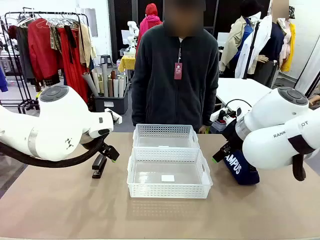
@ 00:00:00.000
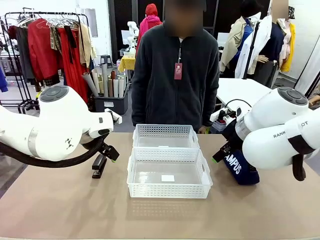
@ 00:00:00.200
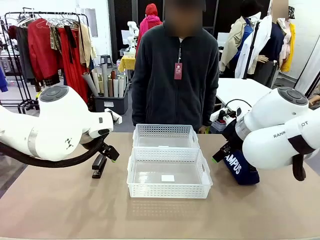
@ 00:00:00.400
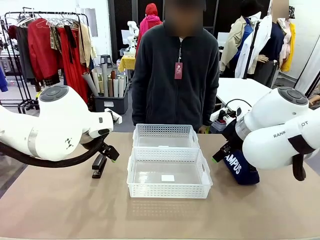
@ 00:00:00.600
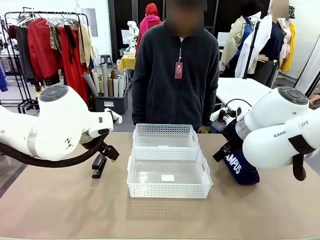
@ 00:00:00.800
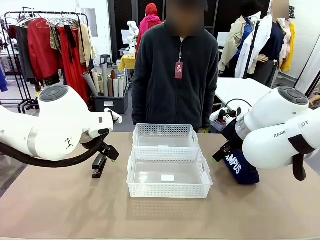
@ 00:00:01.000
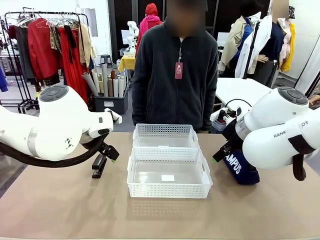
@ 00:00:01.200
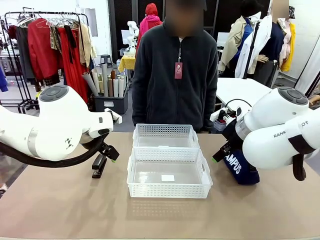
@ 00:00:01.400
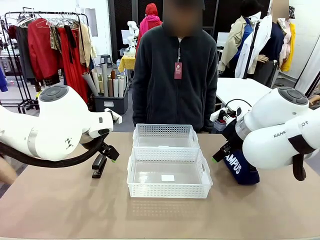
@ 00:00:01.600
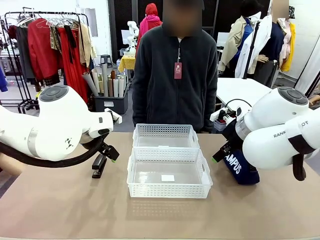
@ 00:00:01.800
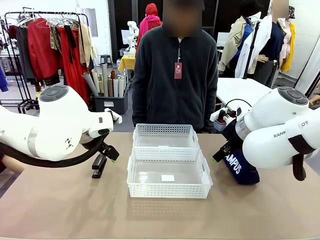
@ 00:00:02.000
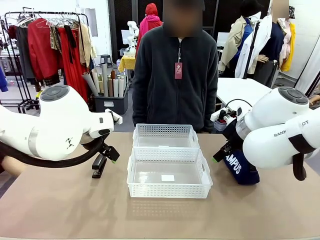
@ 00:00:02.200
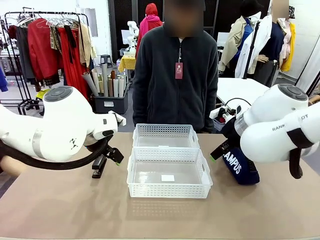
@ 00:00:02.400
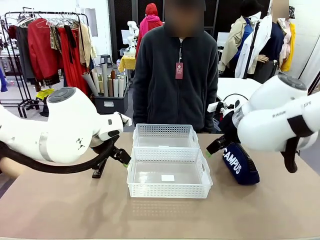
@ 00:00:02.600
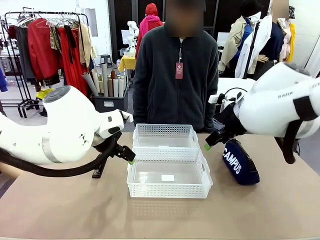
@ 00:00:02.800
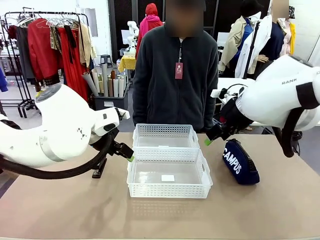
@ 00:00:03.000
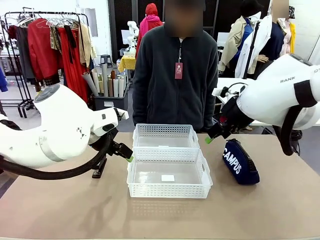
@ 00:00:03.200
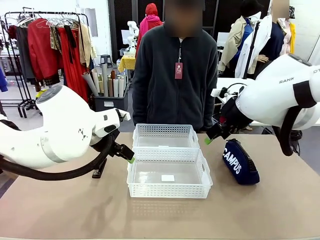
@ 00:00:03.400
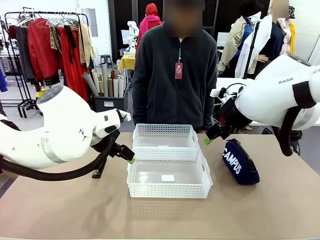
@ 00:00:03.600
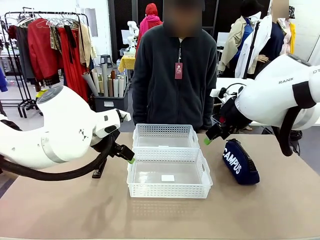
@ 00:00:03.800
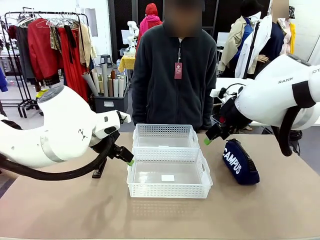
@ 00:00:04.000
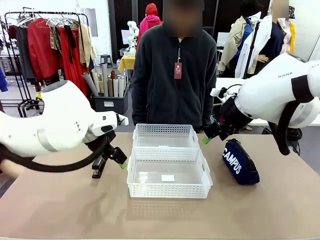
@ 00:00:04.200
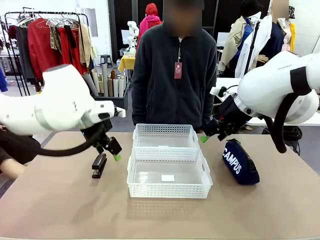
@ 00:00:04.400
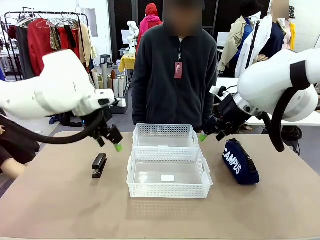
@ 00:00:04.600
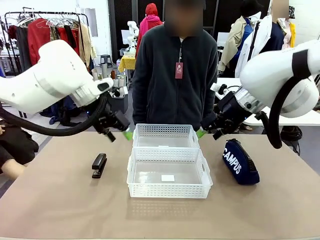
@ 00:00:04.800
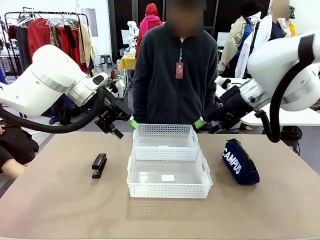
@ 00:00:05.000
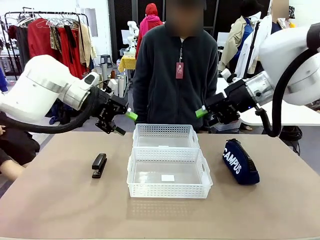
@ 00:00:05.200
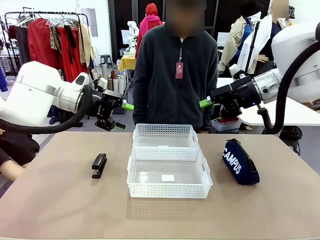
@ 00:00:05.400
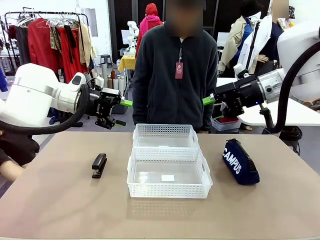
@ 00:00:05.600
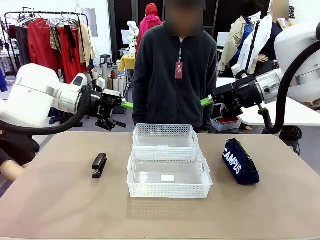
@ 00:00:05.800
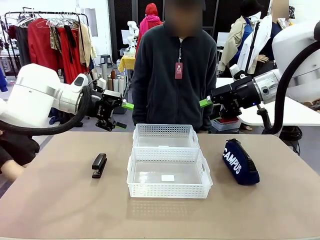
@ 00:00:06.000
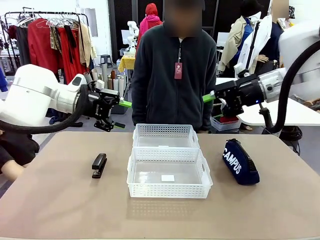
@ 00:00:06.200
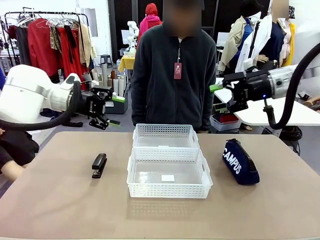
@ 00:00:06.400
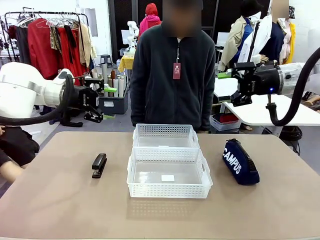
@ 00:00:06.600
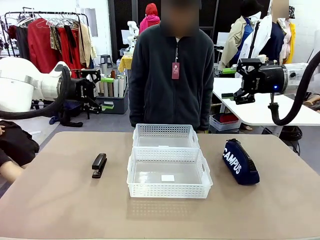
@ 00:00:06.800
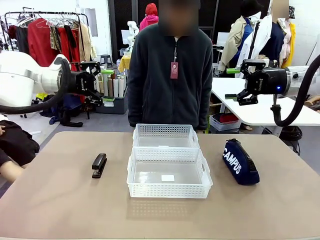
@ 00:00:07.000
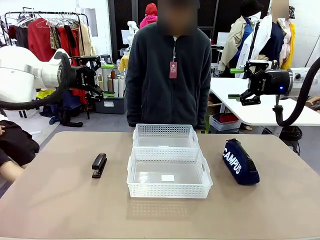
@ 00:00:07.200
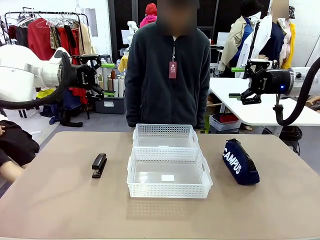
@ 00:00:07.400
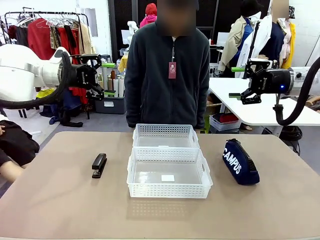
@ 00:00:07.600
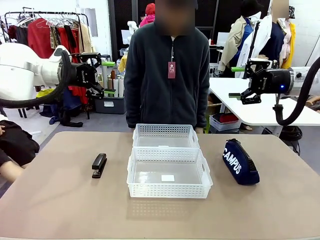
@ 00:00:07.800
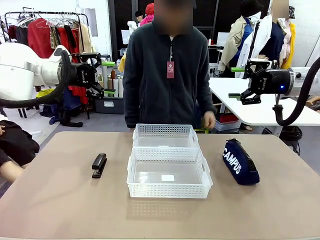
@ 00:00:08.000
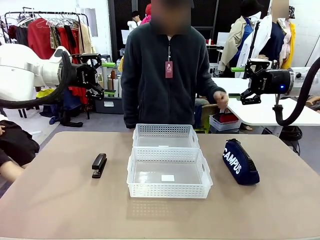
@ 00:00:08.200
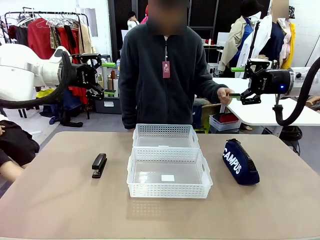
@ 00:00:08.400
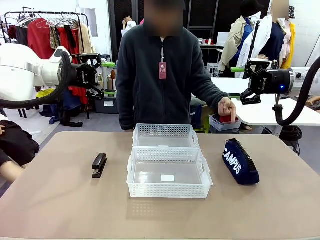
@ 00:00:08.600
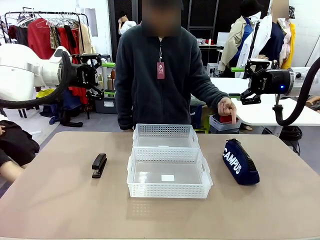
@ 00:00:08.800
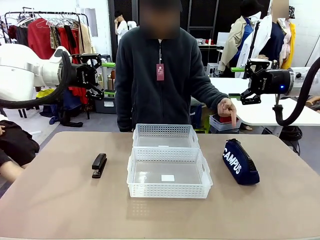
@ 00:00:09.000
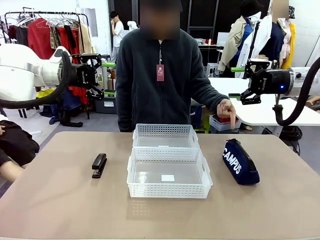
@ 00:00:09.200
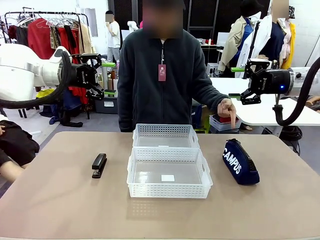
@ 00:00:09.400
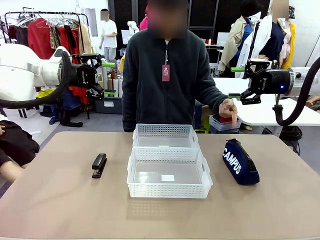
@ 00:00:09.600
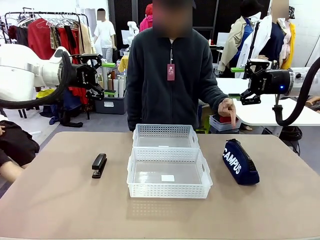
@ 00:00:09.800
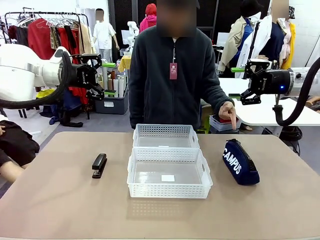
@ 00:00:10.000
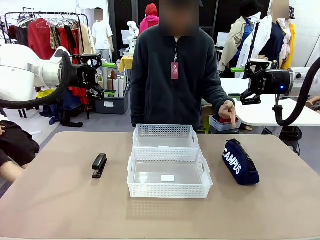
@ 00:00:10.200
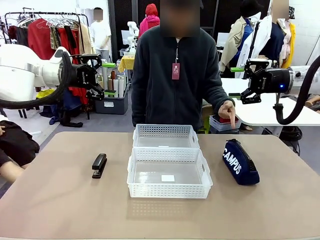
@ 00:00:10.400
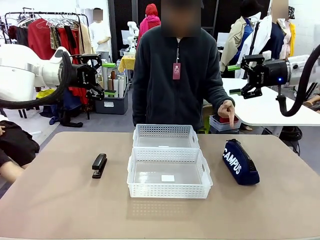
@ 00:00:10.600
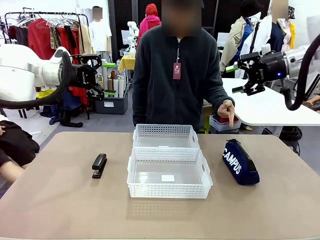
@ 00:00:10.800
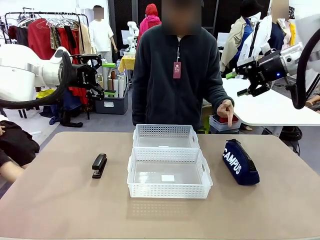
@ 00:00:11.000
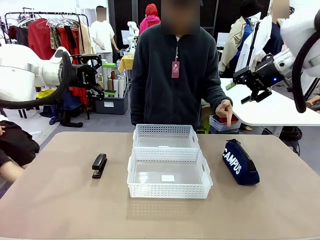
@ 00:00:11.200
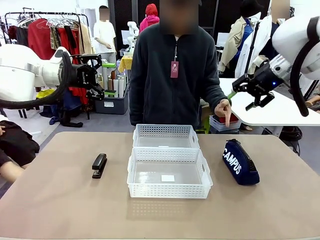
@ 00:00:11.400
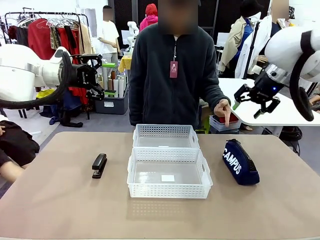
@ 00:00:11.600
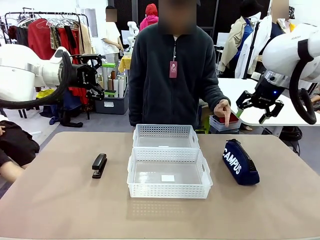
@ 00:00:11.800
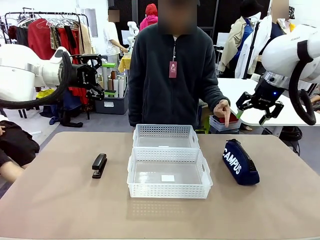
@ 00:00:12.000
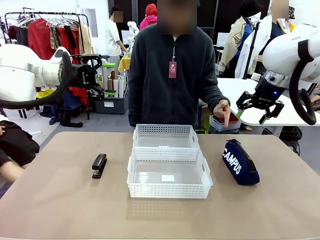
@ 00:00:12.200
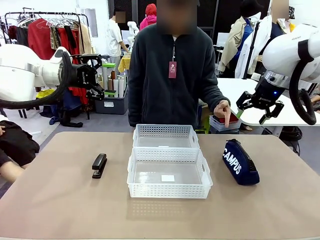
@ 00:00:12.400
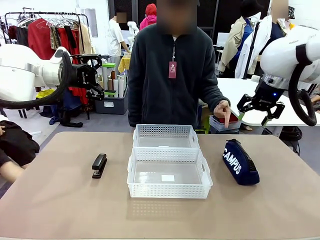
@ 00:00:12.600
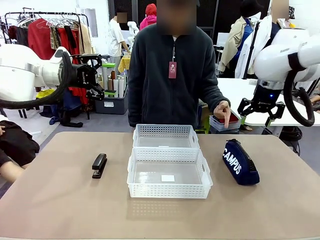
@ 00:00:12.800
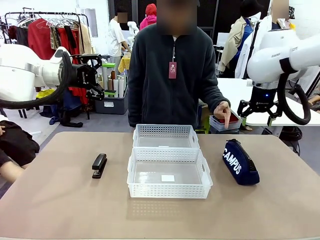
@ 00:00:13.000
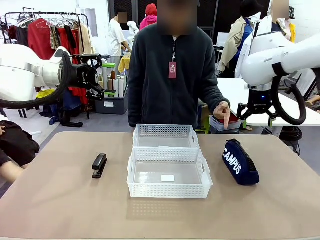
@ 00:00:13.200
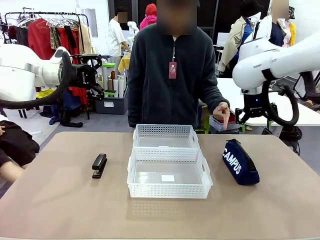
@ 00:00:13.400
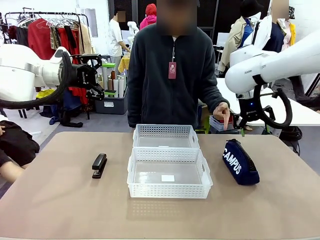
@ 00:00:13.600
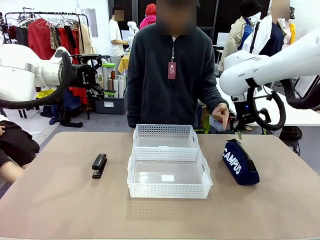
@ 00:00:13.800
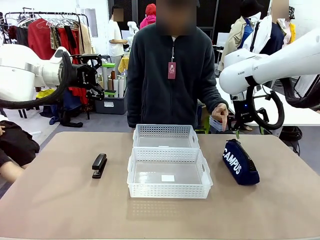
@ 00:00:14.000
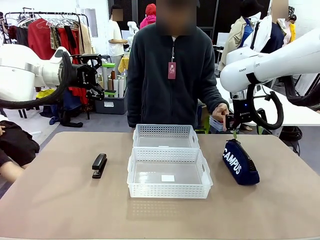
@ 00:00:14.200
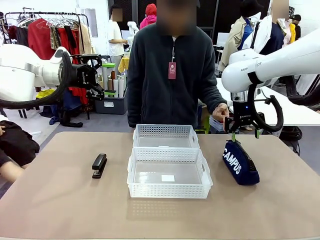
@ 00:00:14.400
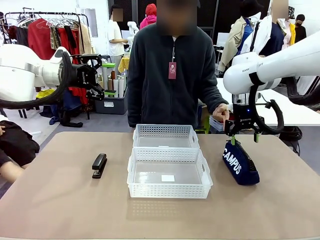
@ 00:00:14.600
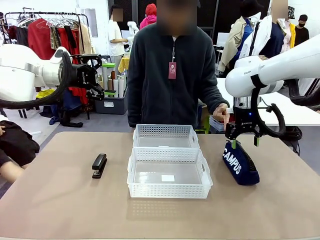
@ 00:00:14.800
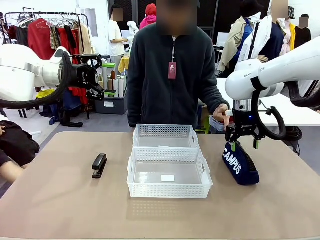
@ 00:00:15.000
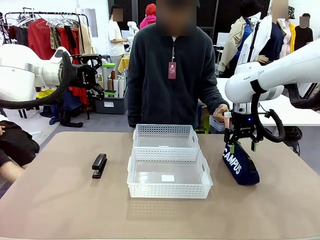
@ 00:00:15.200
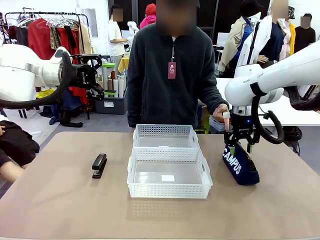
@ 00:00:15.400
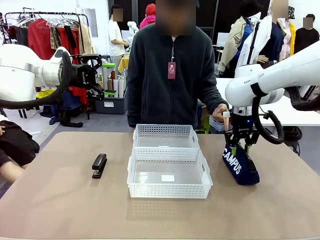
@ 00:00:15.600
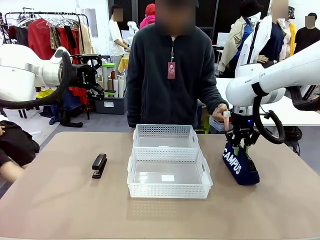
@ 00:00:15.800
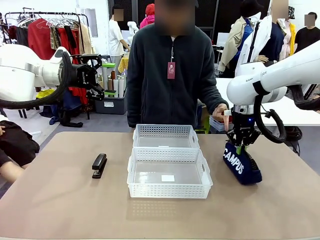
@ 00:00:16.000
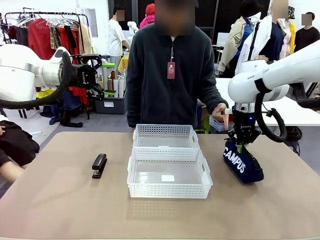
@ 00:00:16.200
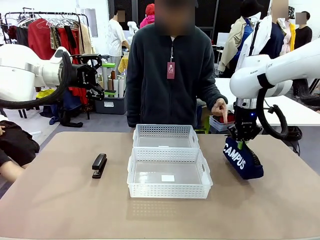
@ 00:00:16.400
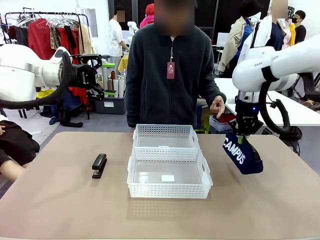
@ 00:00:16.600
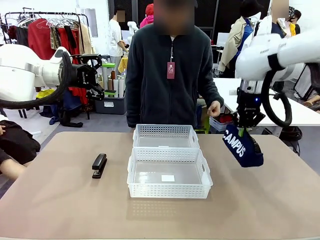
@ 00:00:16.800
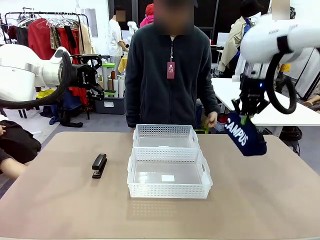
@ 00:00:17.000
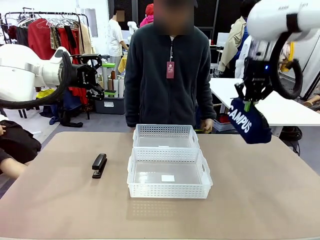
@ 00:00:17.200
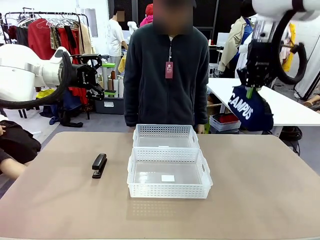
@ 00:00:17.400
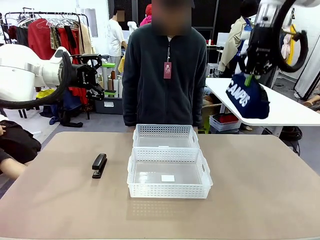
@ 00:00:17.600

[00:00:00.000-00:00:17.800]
Task: Distribute items into two baskets.
Robot: Pick up the Pencil pouch that the person points to.
Person: Points to the pencil case. Points between the two organizing baskets and instructs the robot to move the pencil case.

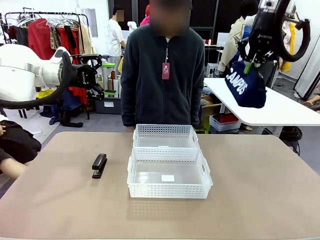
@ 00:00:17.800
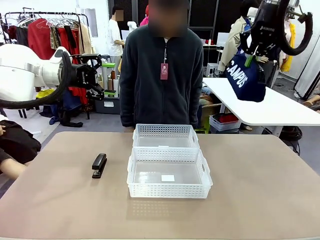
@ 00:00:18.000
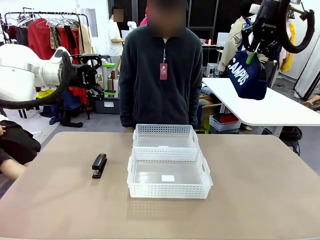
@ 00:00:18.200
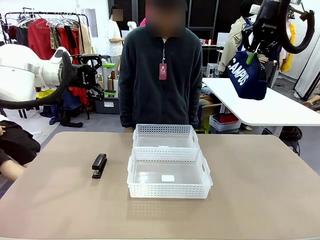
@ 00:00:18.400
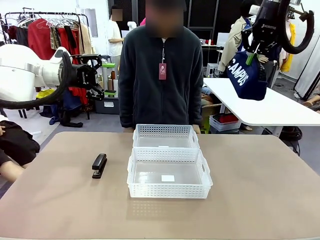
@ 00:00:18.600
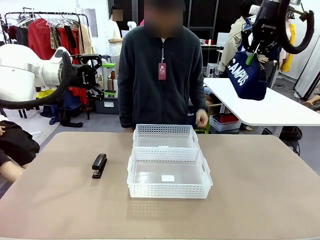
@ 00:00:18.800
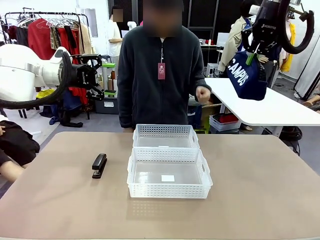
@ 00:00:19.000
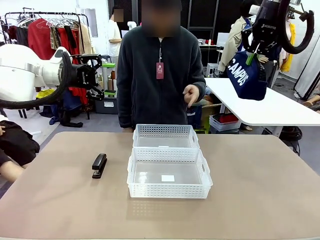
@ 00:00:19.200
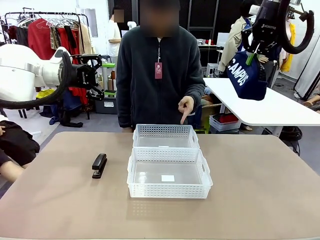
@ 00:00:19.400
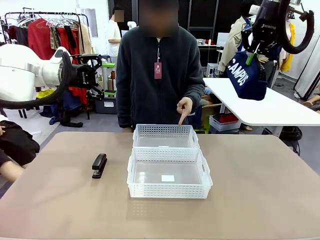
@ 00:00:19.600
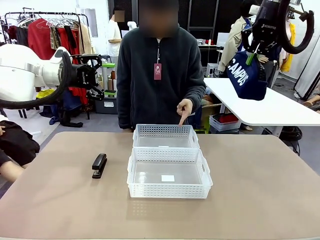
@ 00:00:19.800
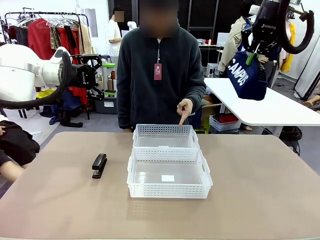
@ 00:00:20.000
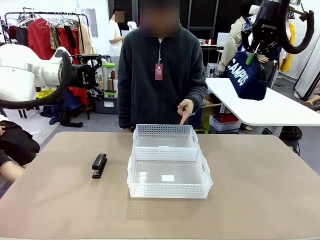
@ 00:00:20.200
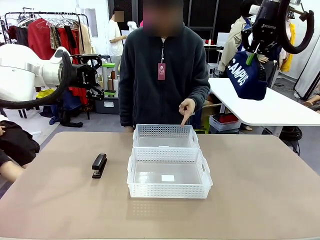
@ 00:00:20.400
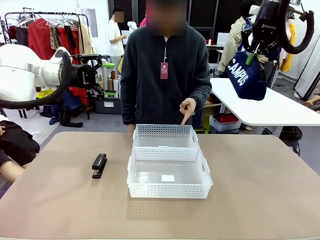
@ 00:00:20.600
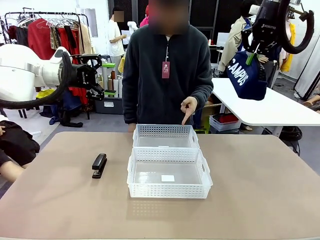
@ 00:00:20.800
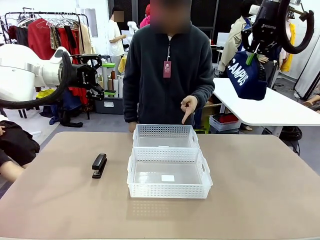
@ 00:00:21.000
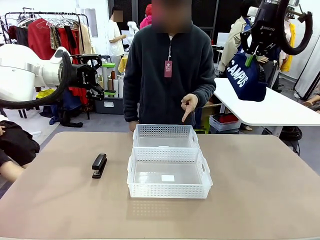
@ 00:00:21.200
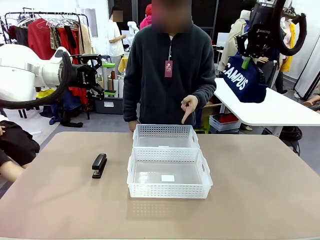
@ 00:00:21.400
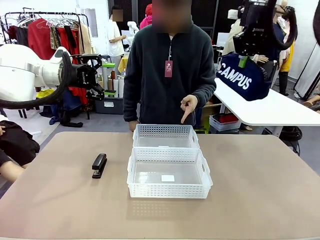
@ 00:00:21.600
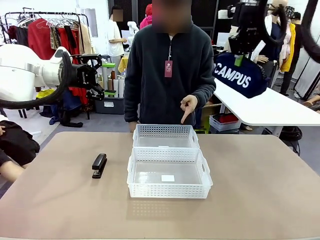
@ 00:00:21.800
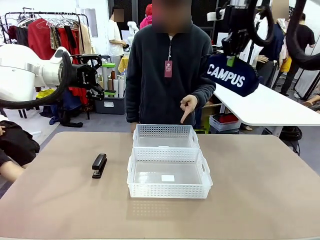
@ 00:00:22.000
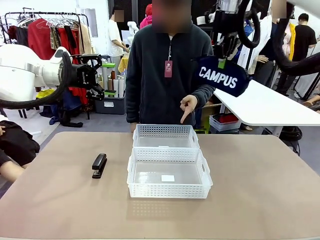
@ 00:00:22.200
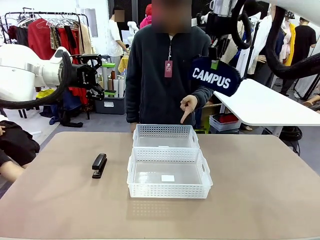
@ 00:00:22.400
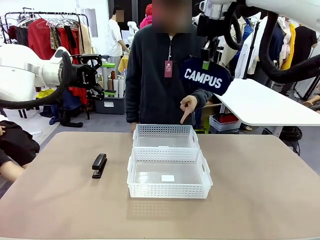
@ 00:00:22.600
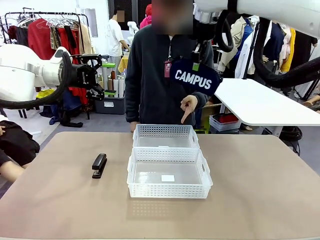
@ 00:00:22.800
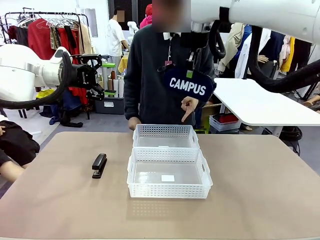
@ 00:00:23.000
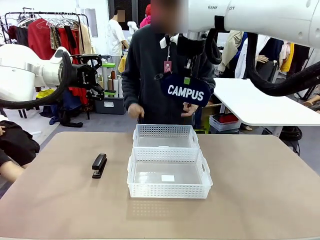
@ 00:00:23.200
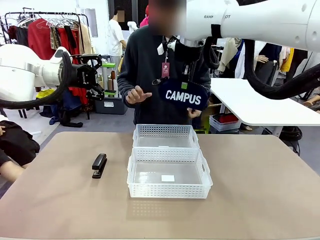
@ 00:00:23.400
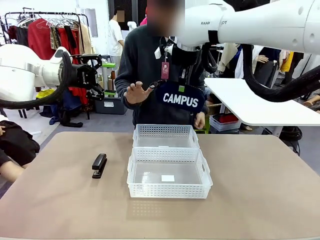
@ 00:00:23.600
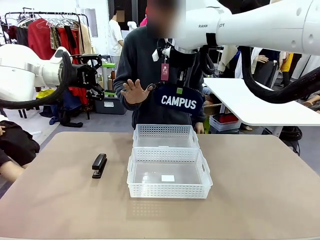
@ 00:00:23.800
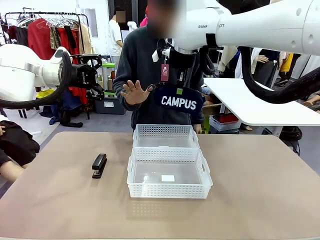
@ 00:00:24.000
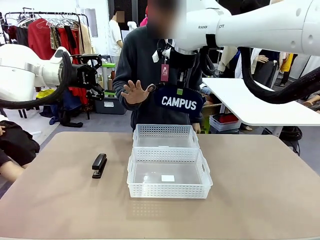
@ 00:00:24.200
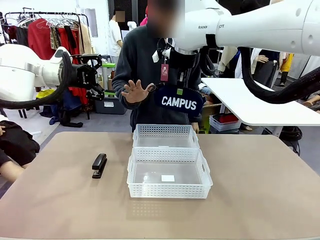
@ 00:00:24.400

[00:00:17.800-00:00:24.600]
Robot: Move the picked Pencil pouch towards the Organizing basket indicated by the person, stopping as directed.
Person: Sends a stop gesture before the robot places the pencil case into the basket.
